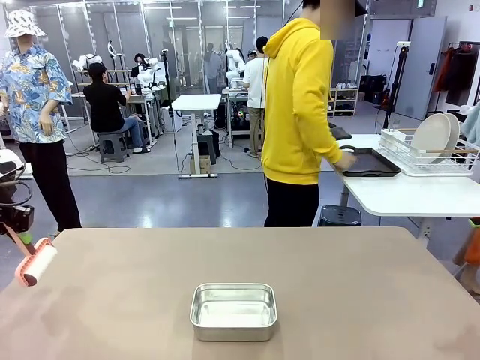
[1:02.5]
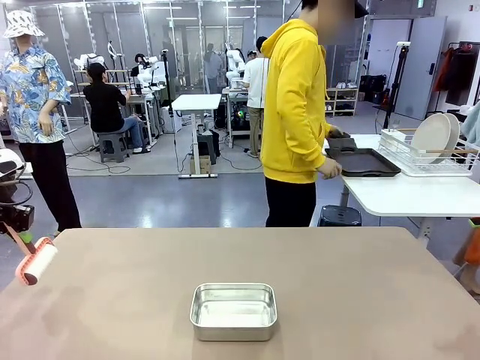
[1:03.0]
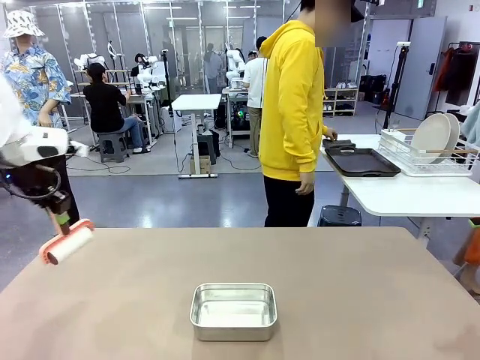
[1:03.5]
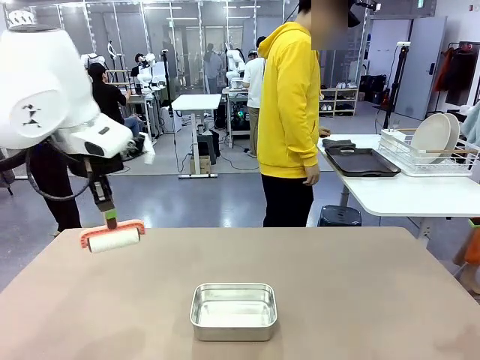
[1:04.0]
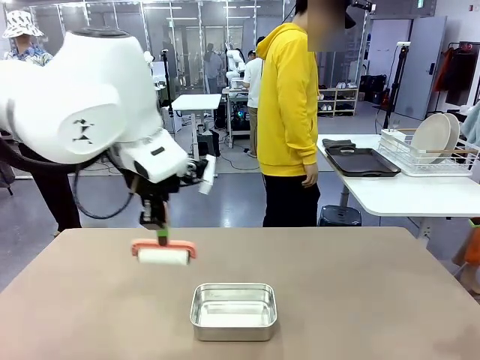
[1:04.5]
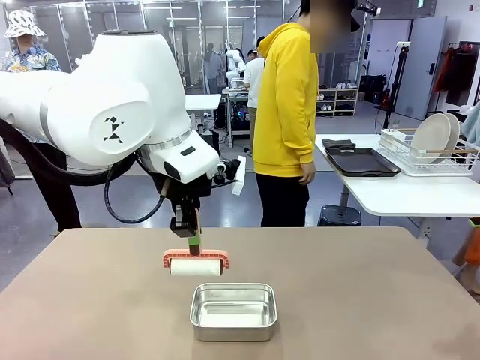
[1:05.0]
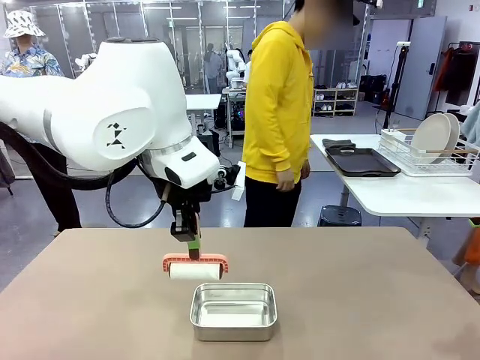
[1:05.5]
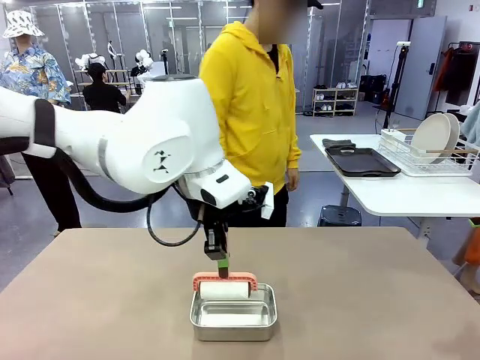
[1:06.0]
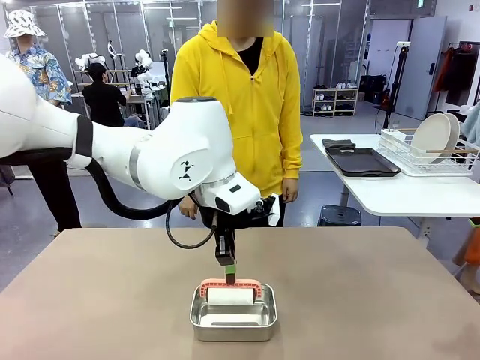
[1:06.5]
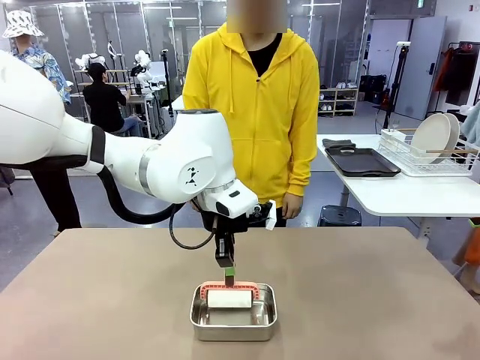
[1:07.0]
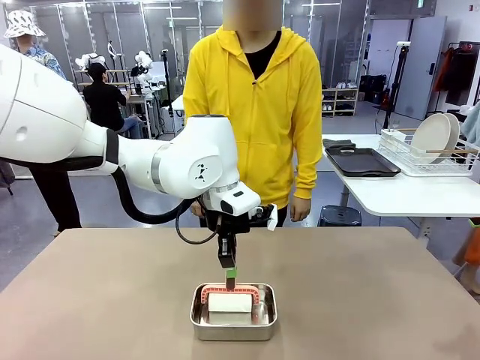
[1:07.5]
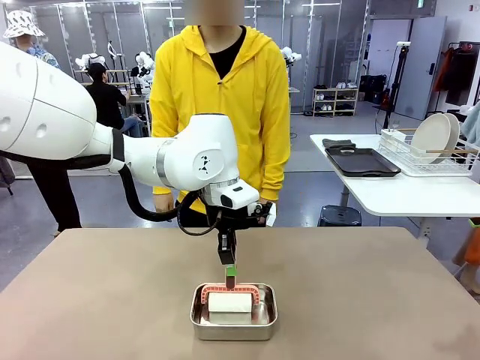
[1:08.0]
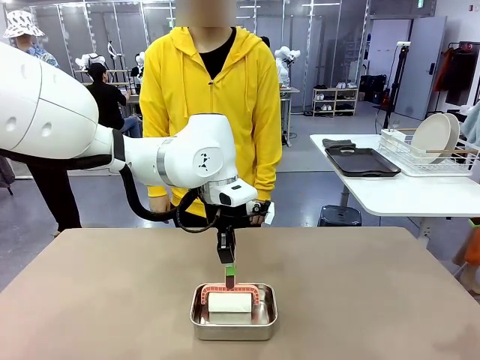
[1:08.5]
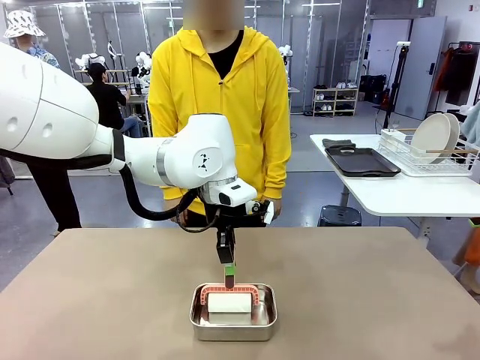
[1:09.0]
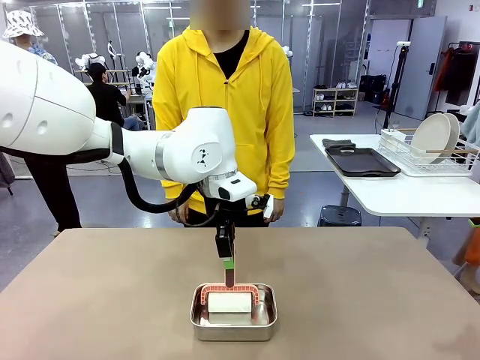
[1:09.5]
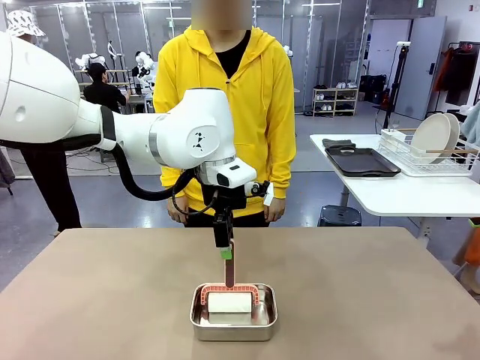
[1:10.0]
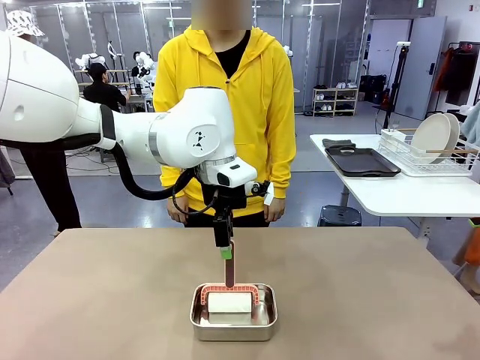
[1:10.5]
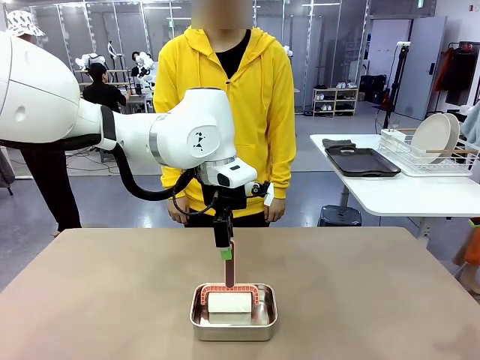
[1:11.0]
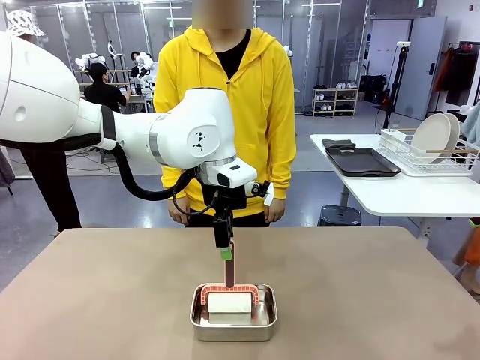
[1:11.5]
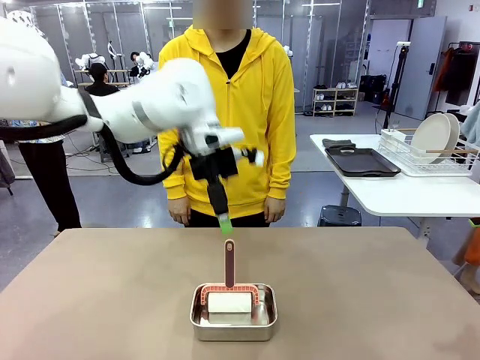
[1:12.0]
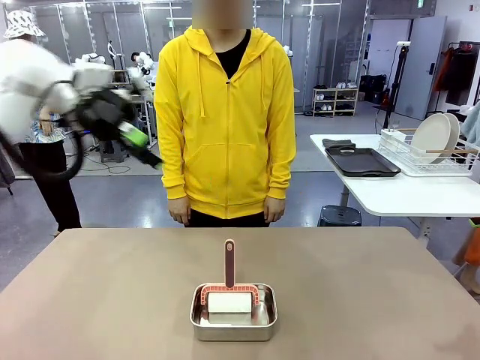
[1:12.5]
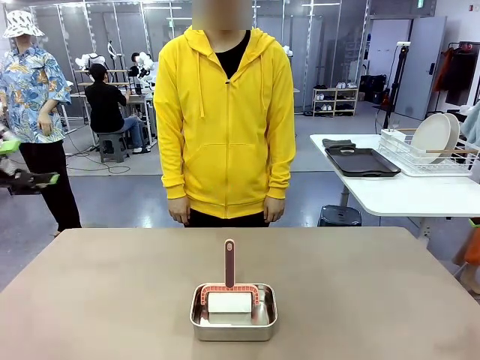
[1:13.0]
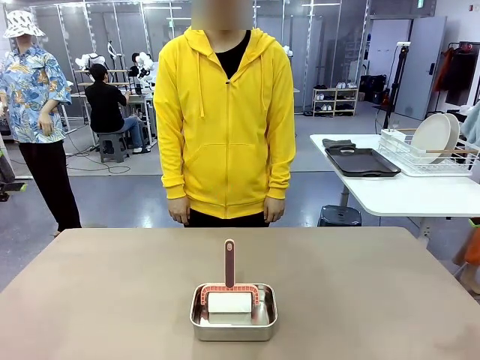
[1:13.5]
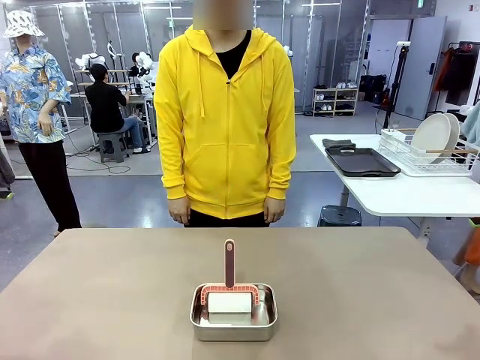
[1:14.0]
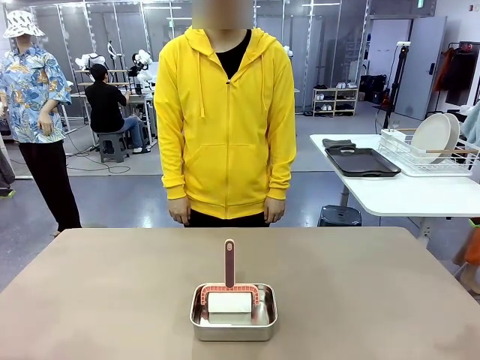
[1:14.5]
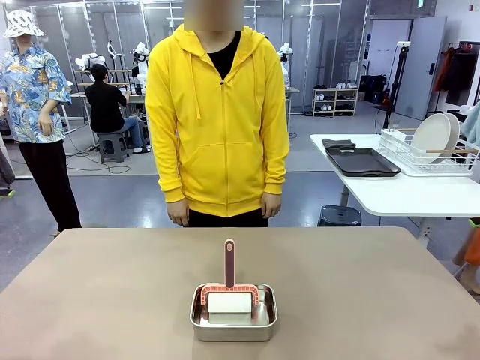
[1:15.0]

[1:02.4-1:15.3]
Robot: Place the Lint Roller back on top of the Airtight Container.

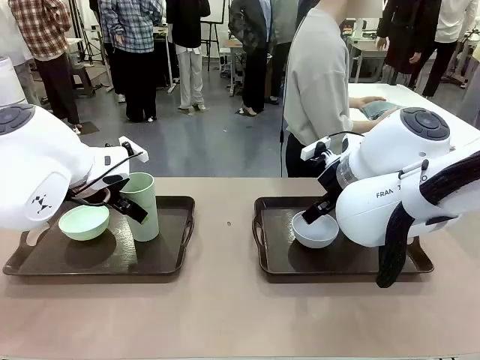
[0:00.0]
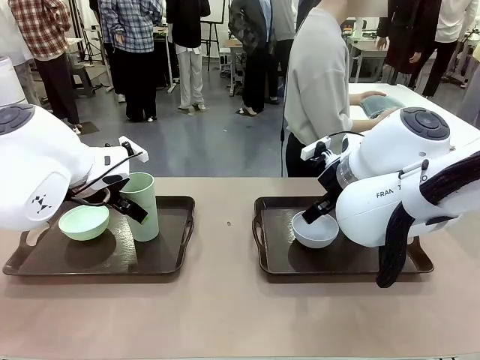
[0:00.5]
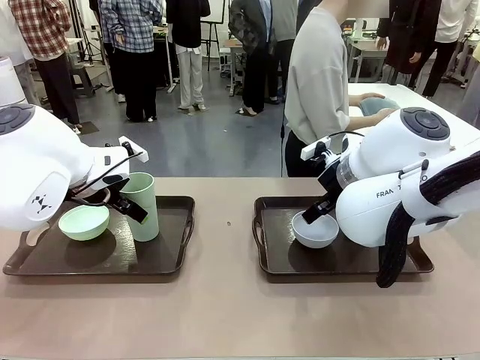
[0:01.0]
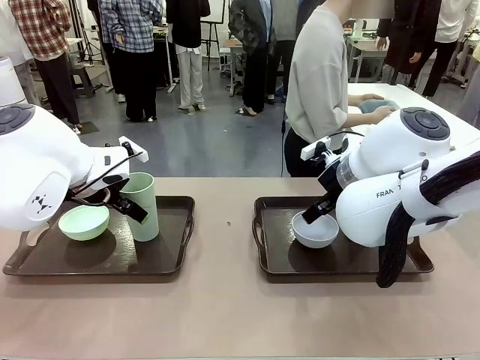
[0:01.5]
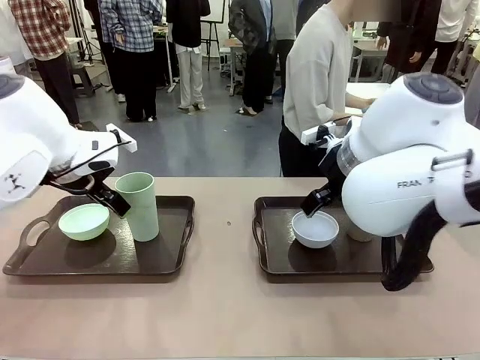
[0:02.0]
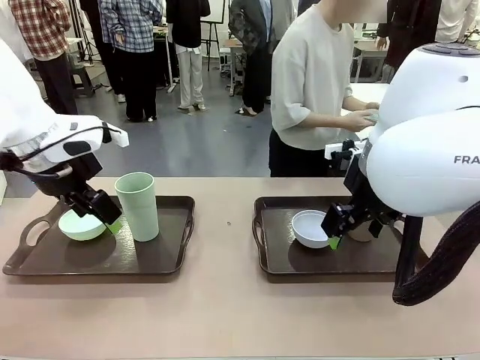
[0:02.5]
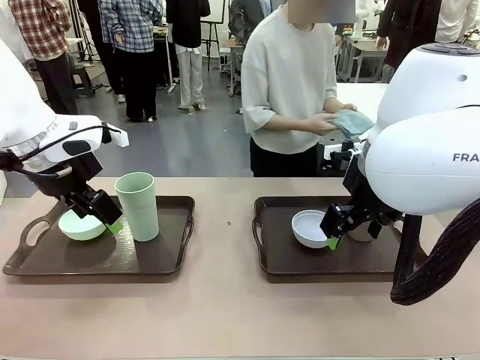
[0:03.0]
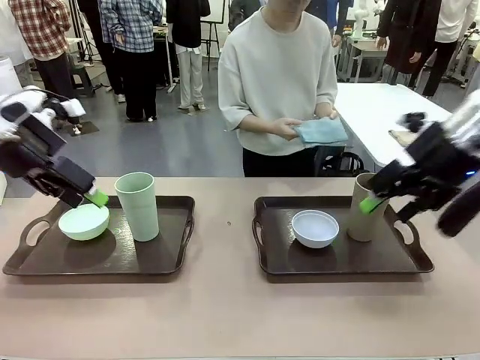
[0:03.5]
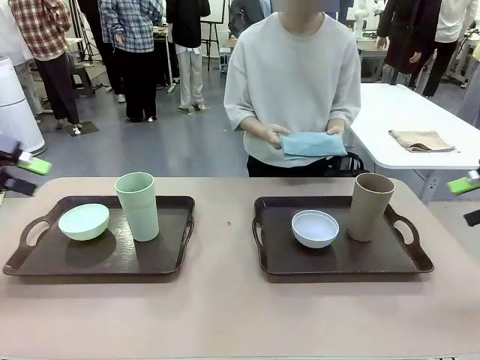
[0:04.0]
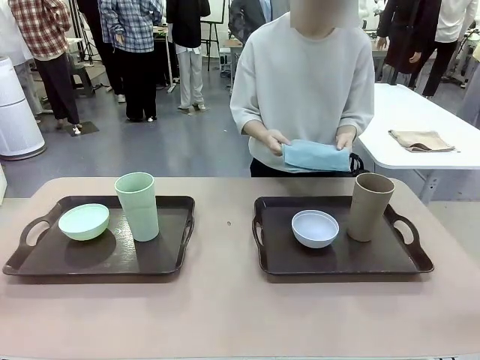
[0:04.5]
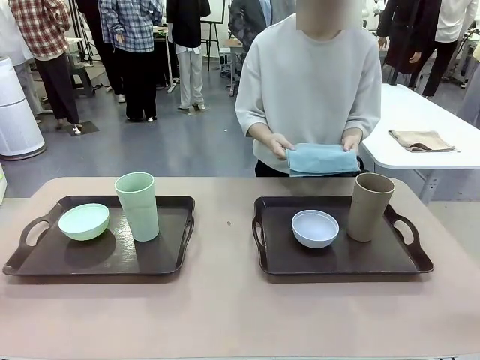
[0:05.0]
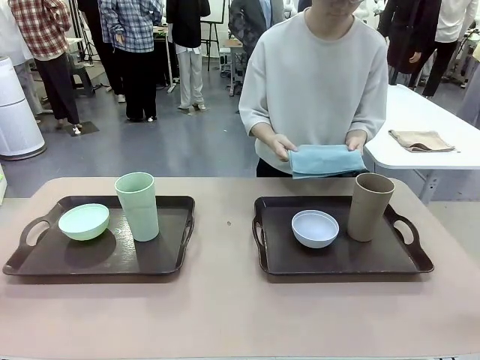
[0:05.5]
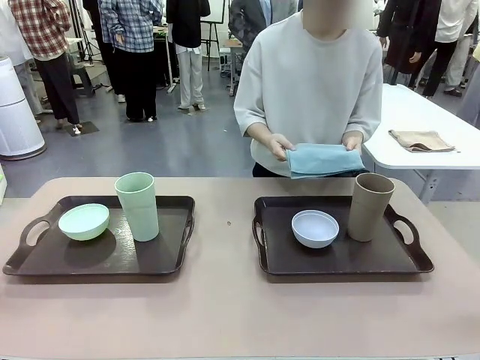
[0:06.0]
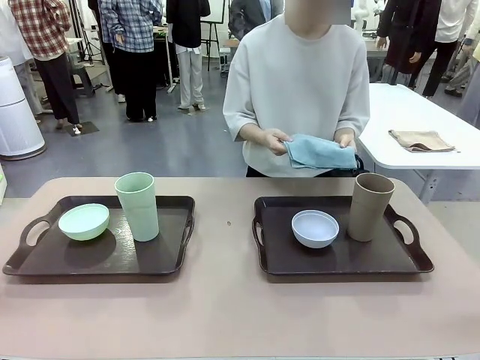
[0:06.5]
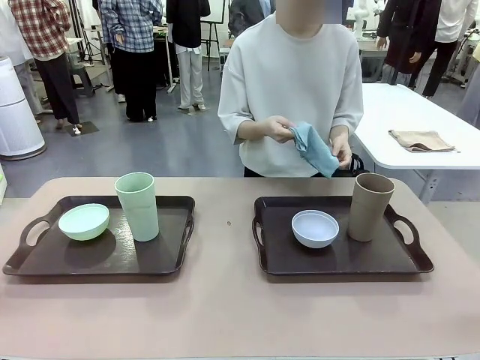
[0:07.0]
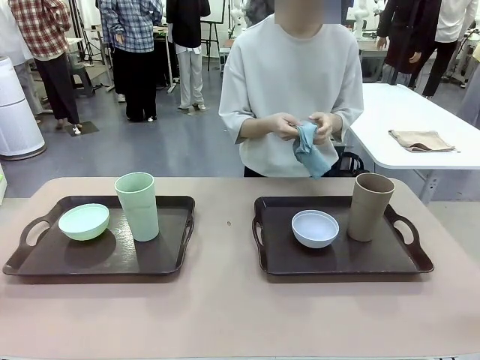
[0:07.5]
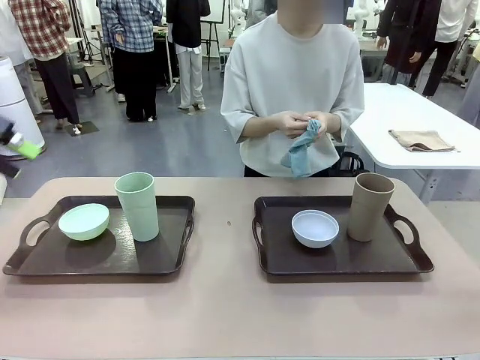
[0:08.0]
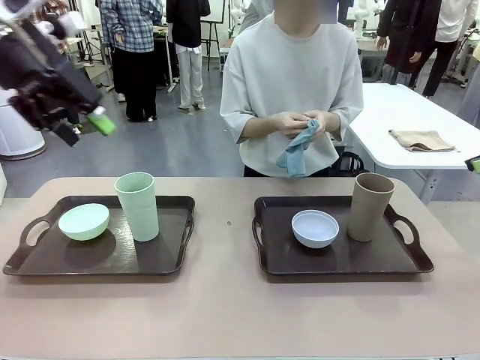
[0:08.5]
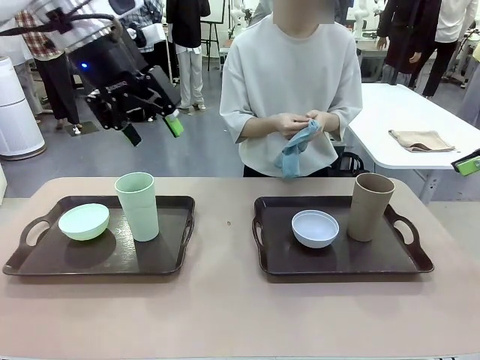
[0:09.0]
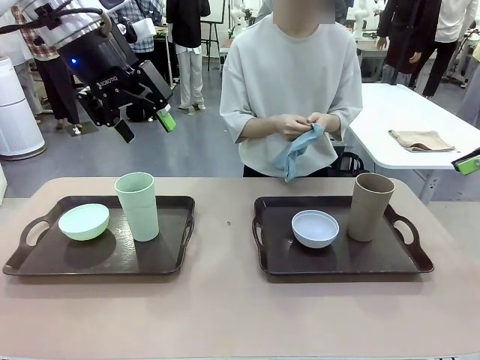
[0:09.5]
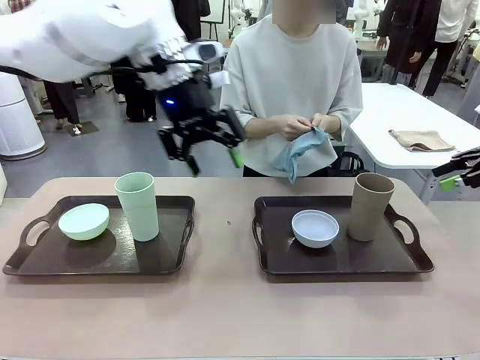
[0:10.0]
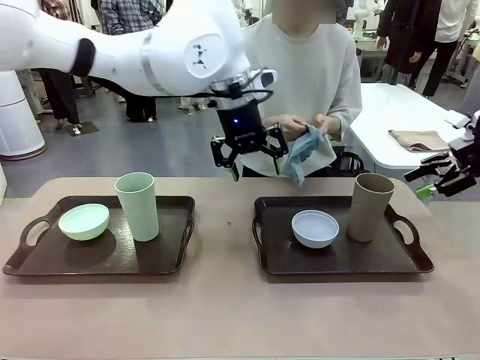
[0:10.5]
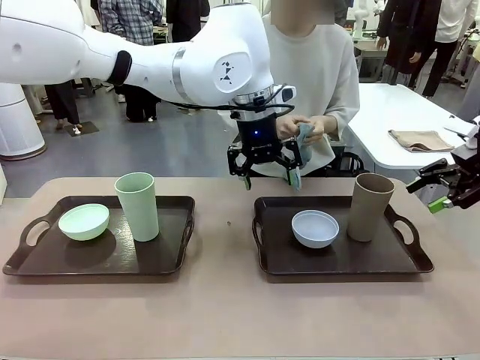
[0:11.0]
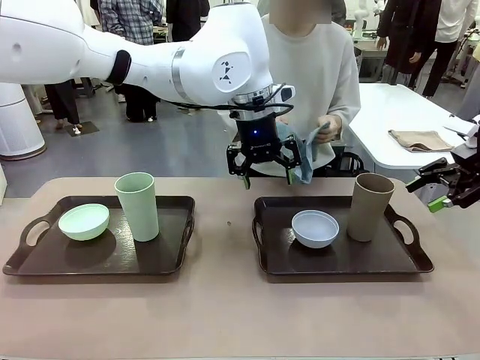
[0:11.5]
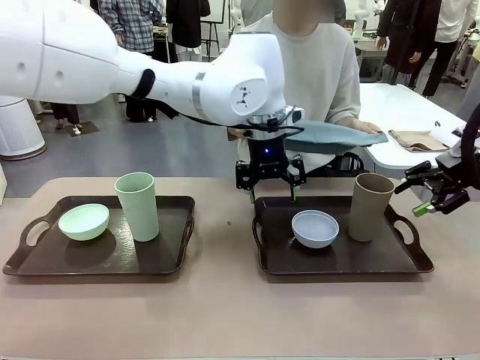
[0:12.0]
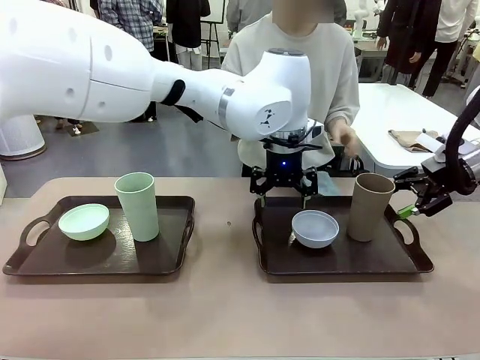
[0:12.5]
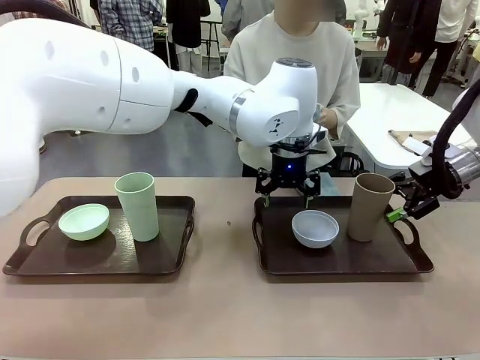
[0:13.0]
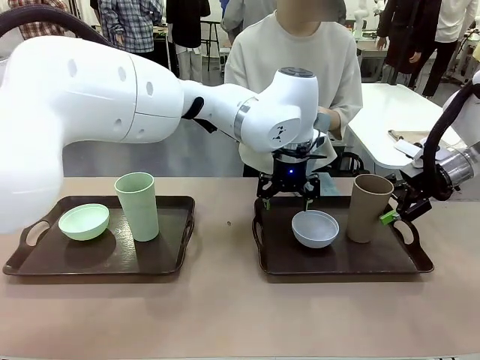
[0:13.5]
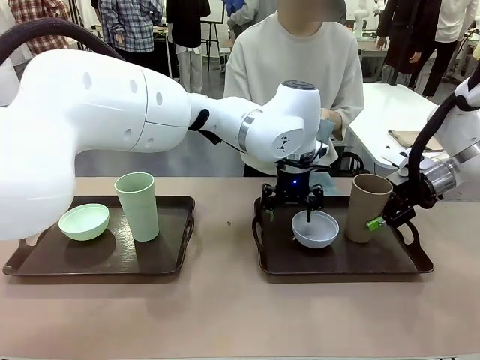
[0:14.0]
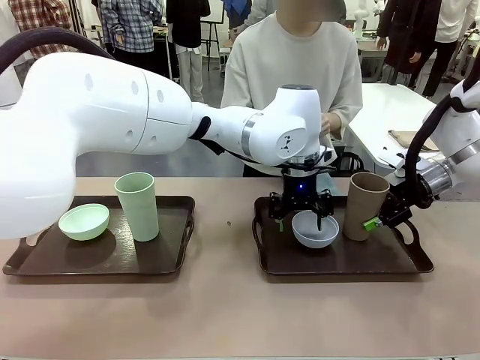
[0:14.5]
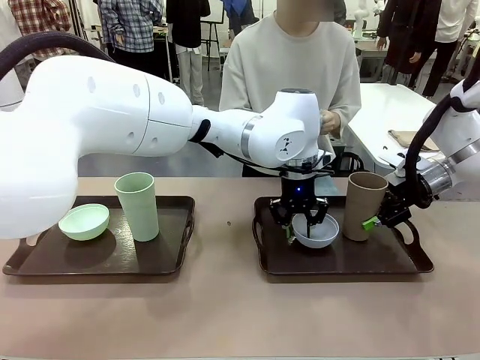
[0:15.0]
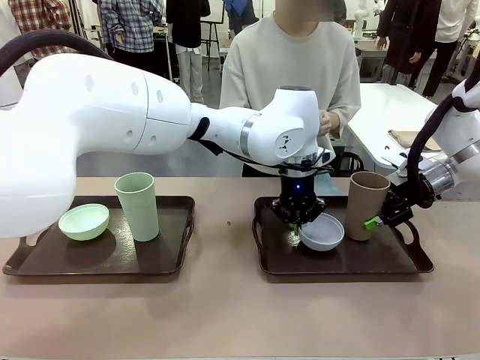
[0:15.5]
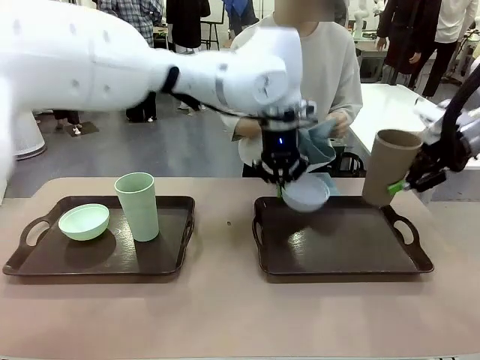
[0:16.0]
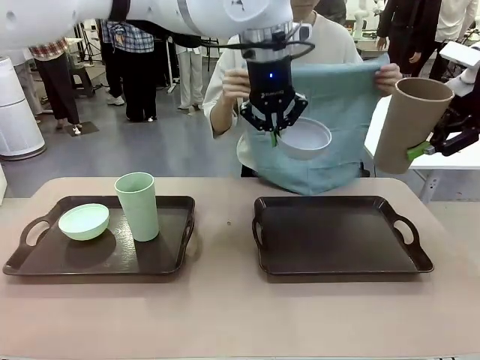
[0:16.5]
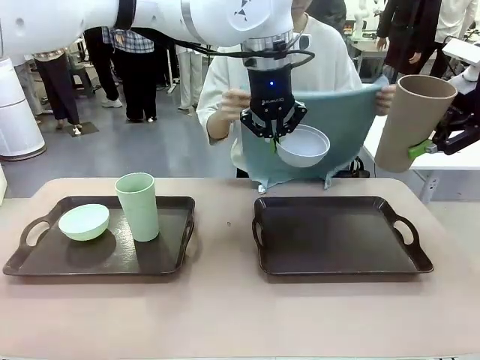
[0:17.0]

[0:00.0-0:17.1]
Robot: Pick up the Picnic Bowl and Reusable plastic cup from the Handle tray in front of the human's position and hold them in the air.
Person: The human picks up the top napkin from the stack on the human table and walks to the robot table to stand in front of one of the two trays. When the robot lifts the bowl and the cup, the human unfolds the napkin and lays the napkin flat on the tray.
